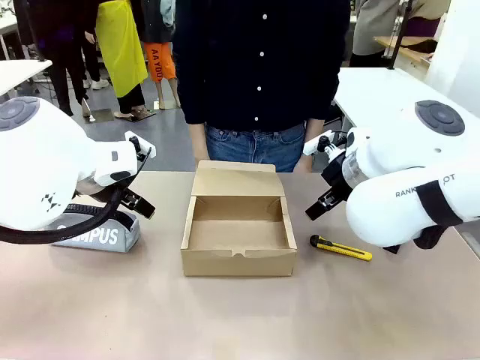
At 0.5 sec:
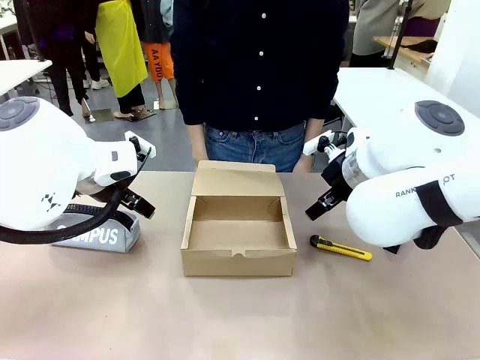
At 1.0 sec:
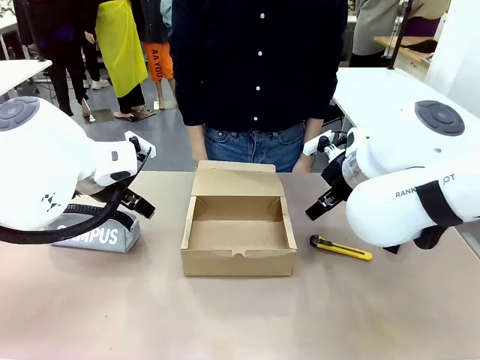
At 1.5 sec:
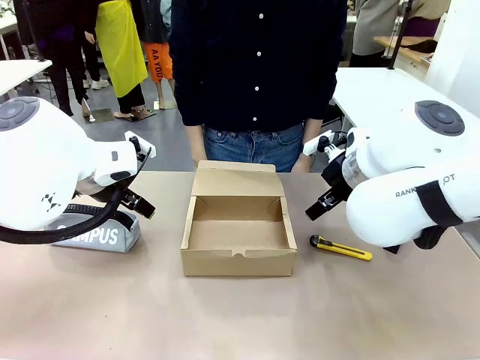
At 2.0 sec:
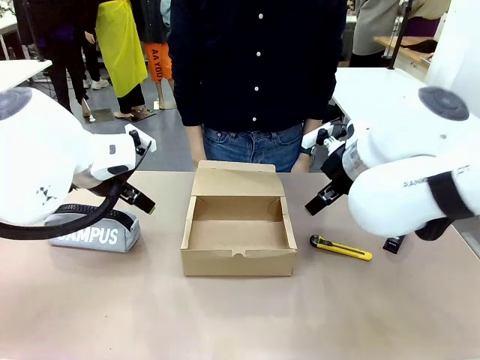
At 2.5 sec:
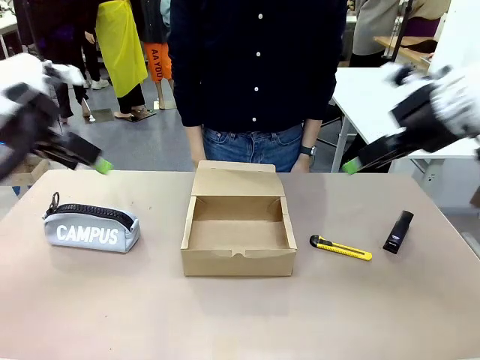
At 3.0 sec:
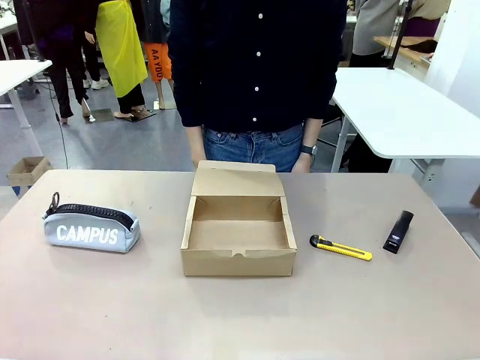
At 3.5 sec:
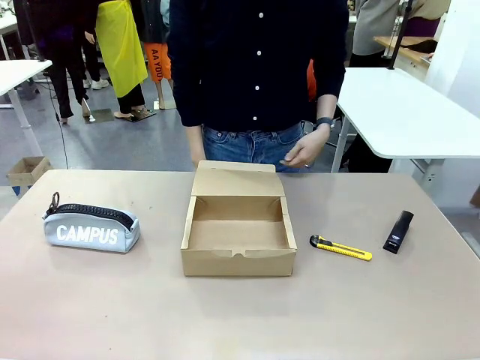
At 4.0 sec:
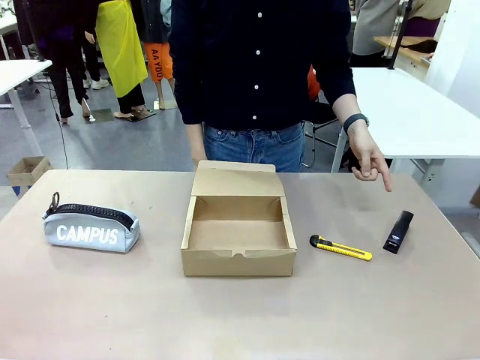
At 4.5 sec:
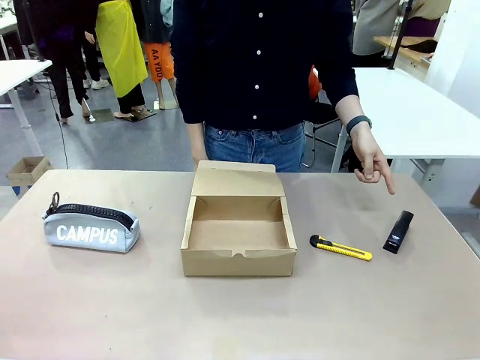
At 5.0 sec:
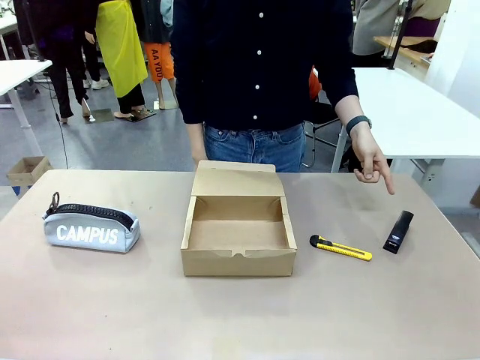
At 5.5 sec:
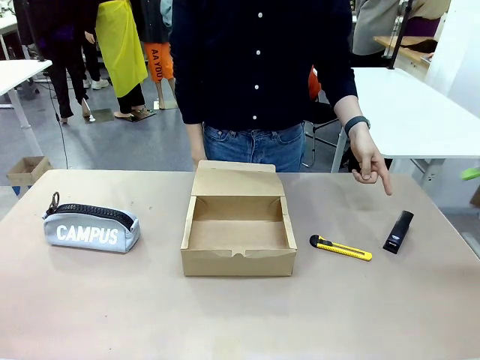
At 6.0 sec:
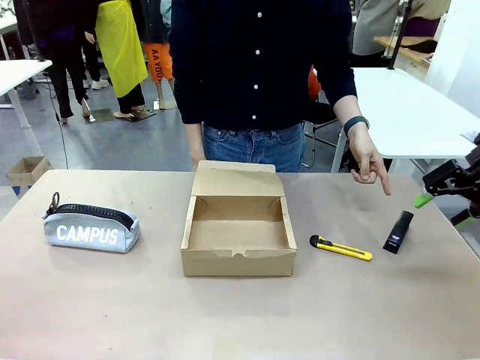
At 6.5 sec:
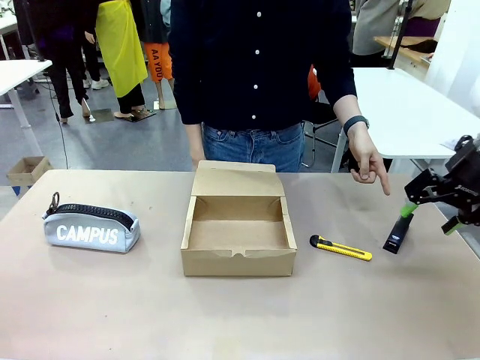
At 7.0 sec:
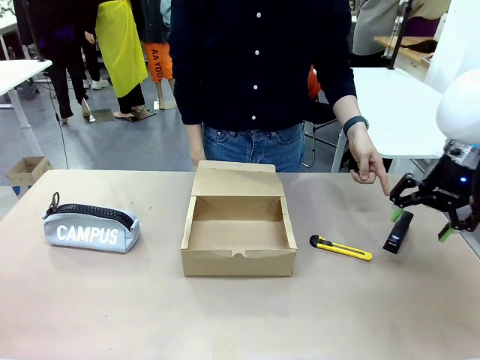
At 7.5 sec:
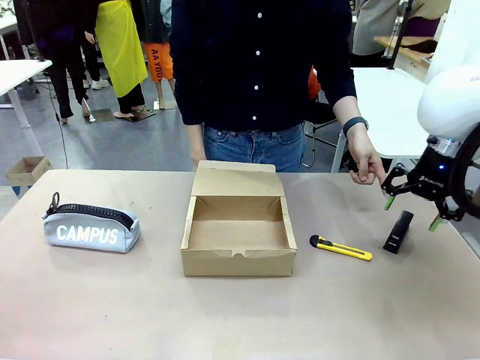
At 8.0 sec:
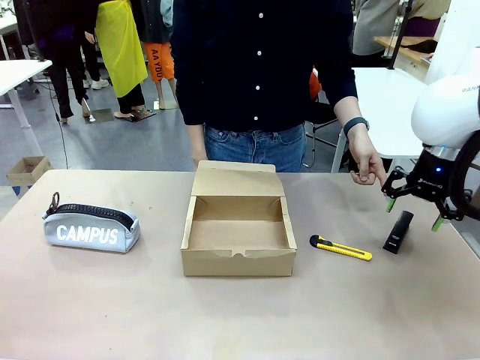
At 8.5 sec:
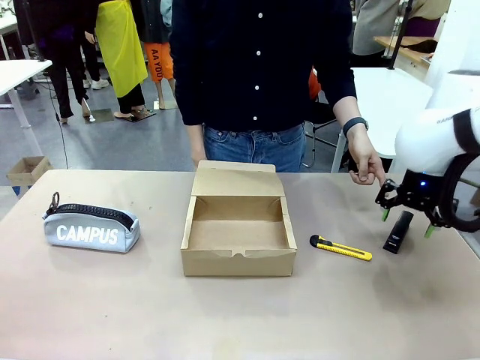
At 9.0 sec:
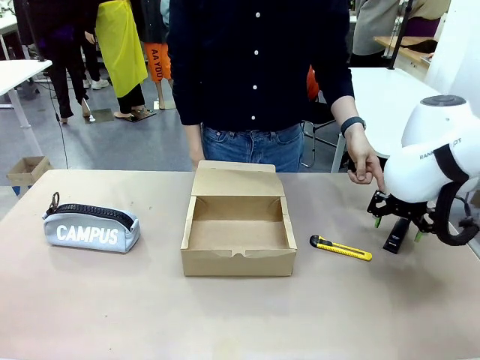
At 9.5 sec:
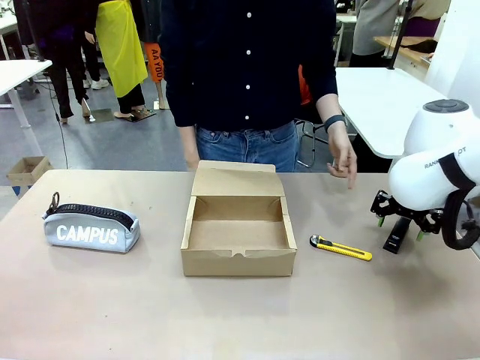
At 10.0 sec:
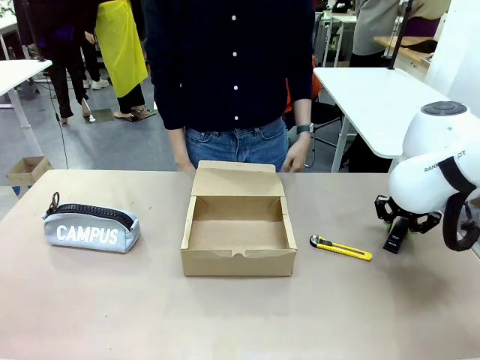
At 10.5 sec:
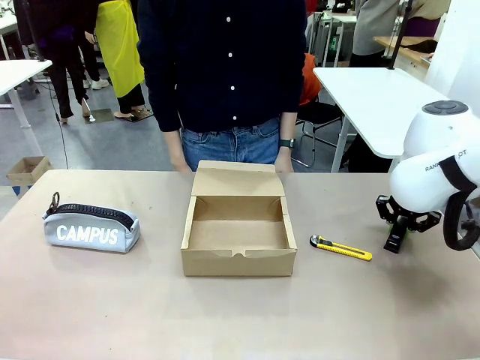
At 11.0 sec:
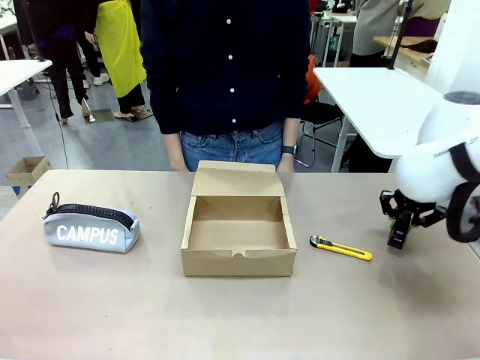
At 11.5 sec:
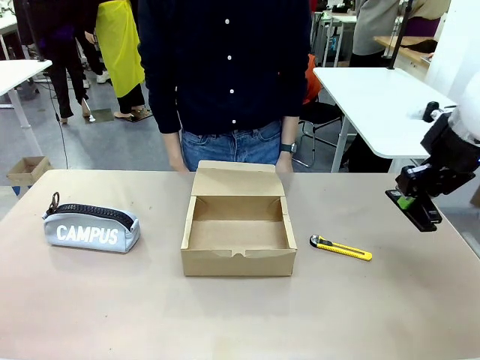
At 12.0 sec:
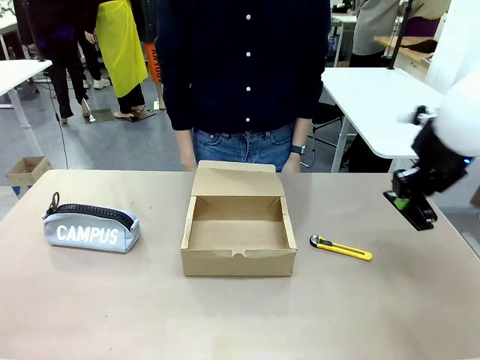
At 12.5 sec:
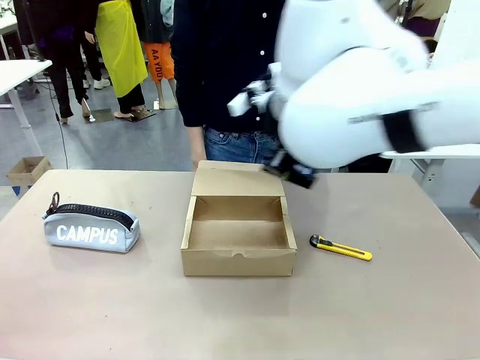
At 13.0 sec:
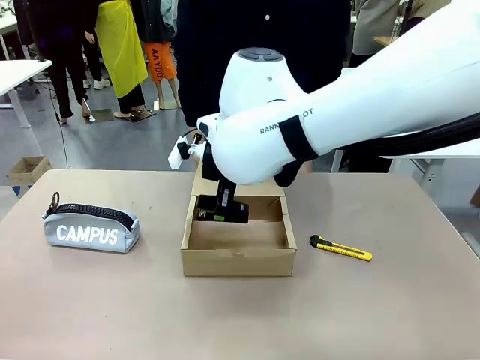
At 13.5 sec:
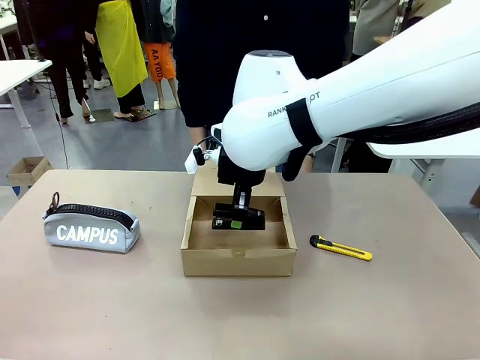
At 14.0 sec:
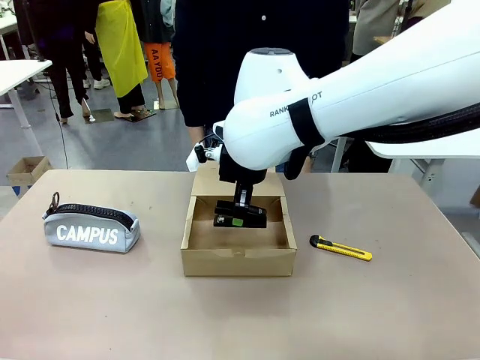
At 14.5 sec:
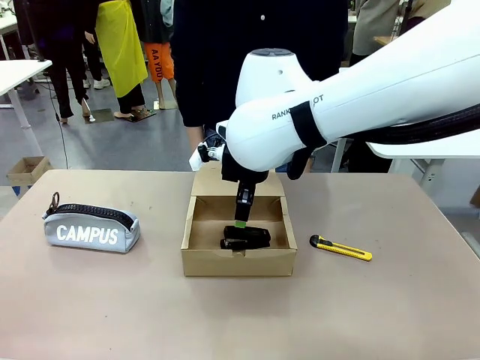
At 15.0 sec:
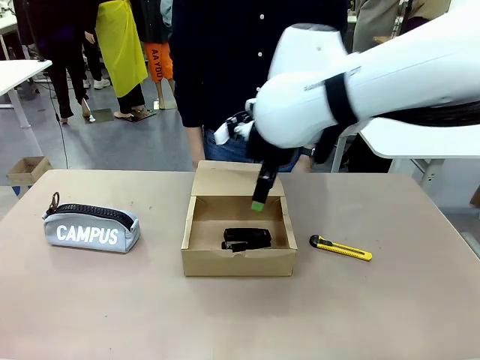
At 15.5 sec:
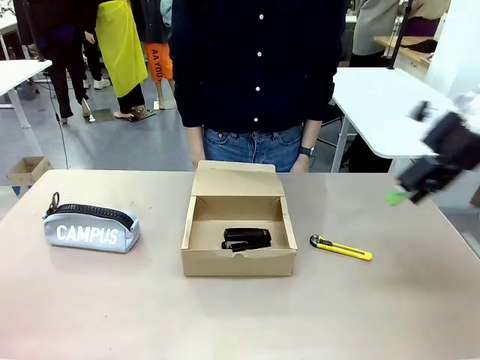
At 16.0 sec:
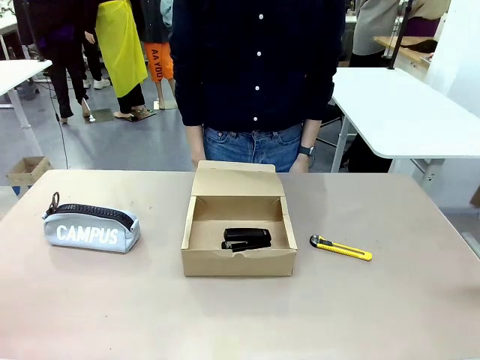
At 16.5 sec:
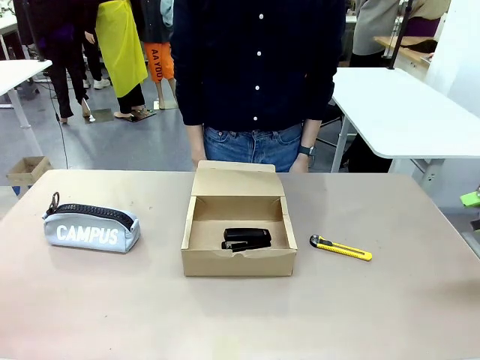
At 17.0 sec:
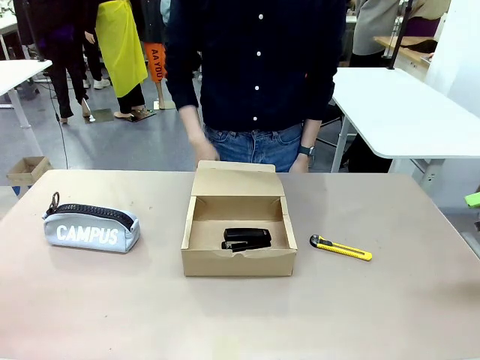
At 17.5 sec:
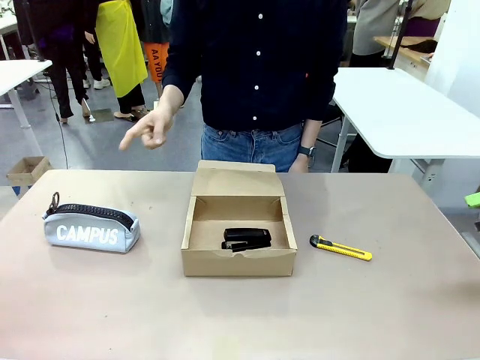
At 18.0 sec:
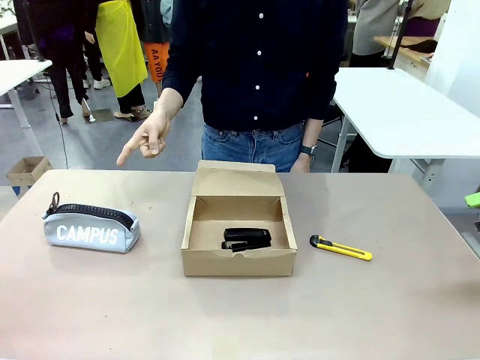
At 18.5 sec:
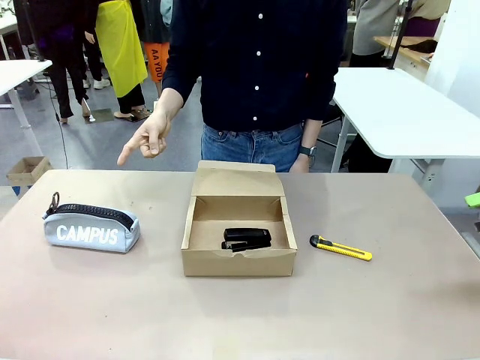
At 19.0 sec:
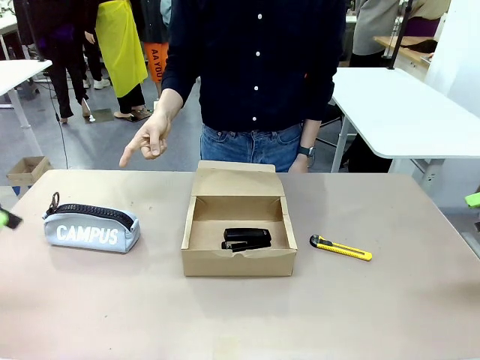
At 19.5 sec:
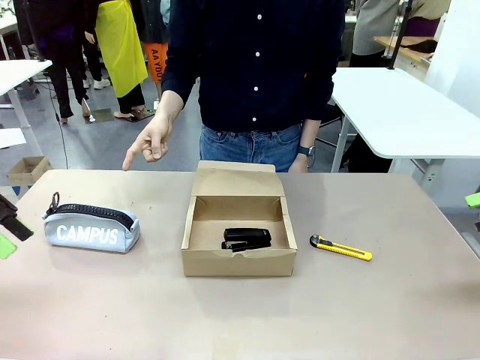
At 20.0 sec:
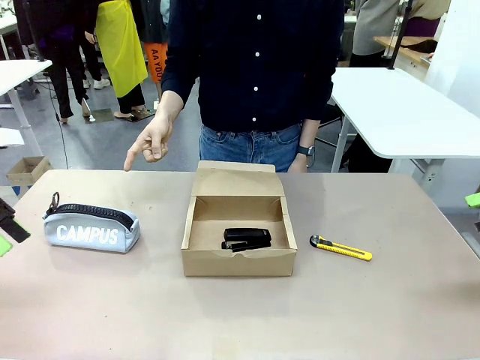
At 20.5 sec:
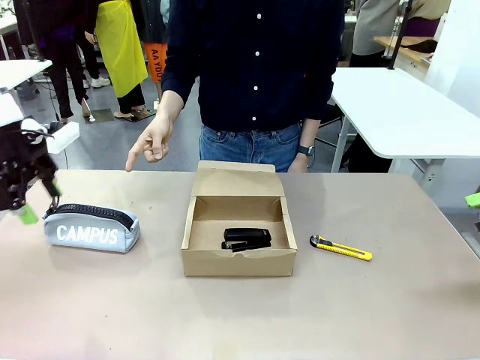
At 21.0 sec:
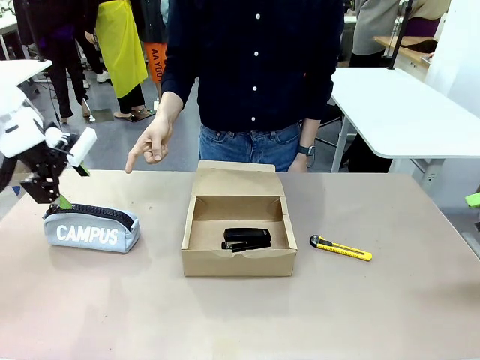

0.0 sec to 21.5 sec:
Task: Pack the items into the box.
Robot: Pick up the item indicated by the person and place it inside the Mailer Box.
Person: Point at one item on the table (excluding the box).
